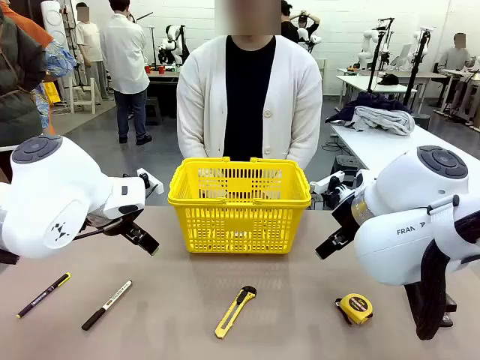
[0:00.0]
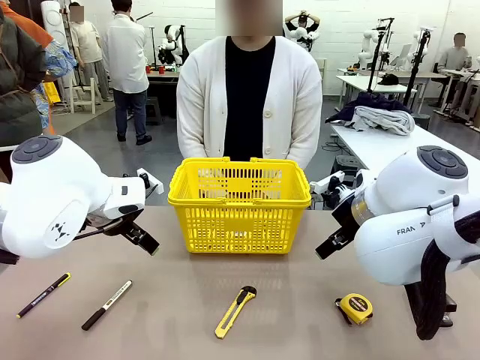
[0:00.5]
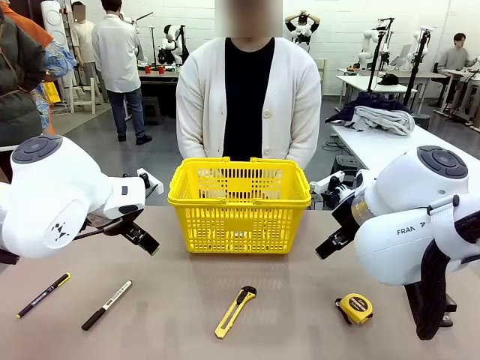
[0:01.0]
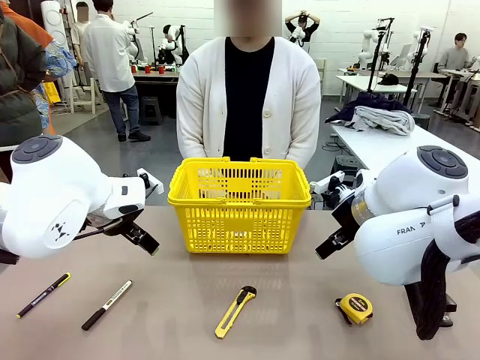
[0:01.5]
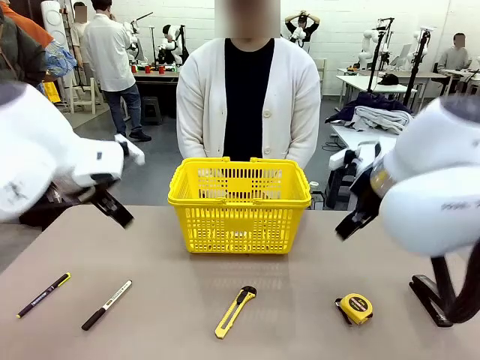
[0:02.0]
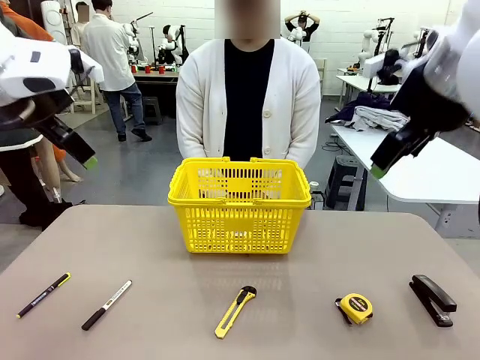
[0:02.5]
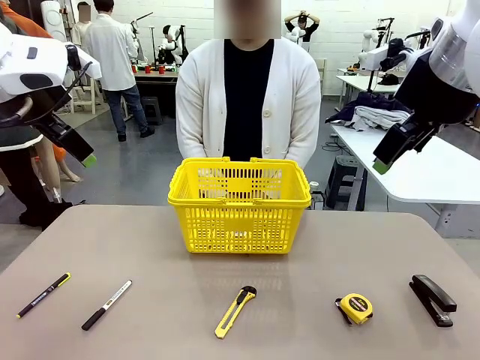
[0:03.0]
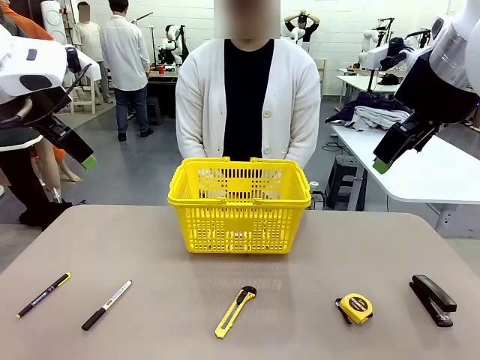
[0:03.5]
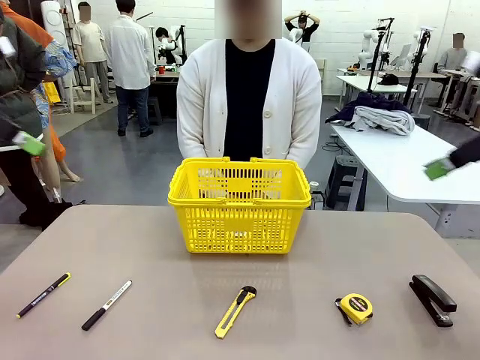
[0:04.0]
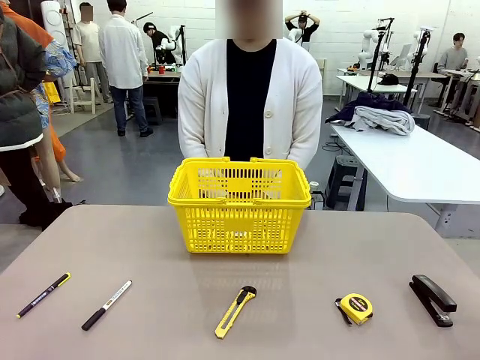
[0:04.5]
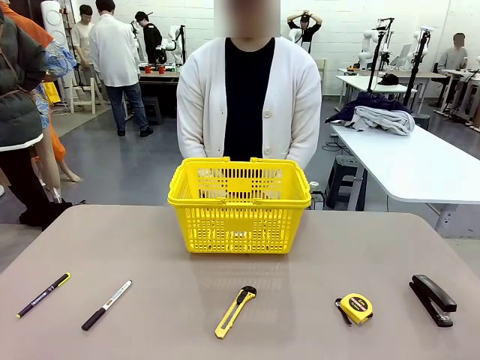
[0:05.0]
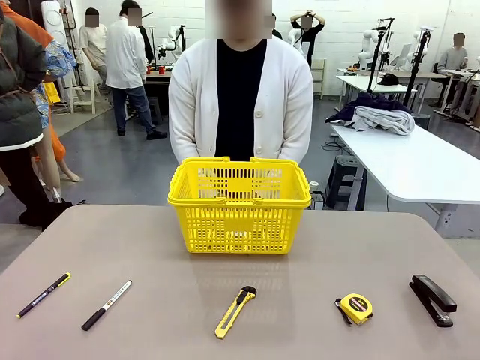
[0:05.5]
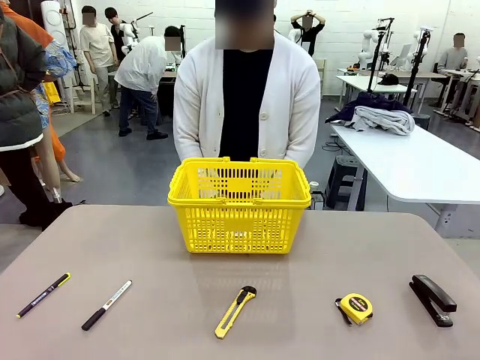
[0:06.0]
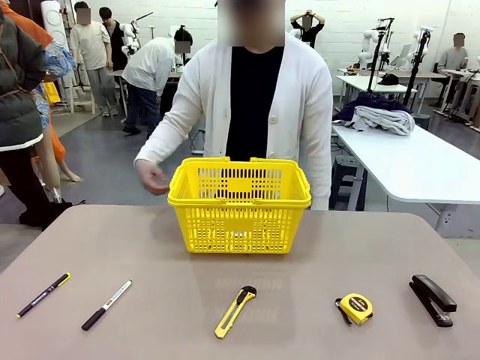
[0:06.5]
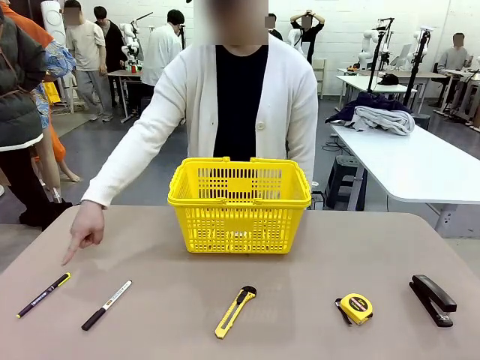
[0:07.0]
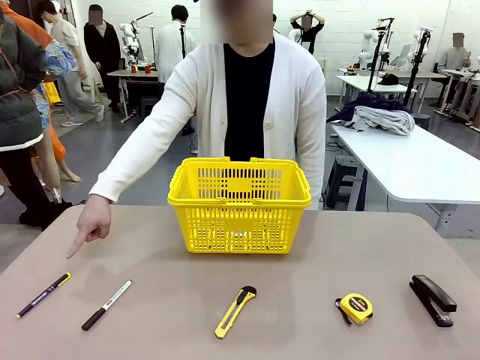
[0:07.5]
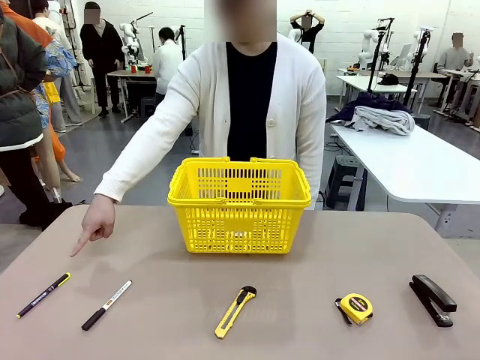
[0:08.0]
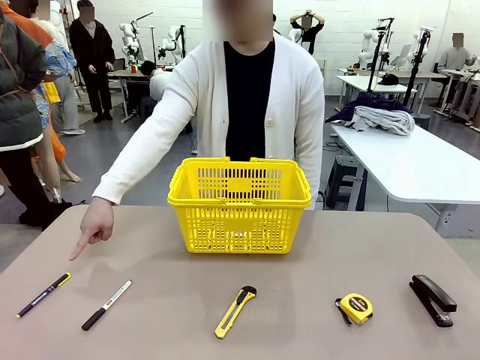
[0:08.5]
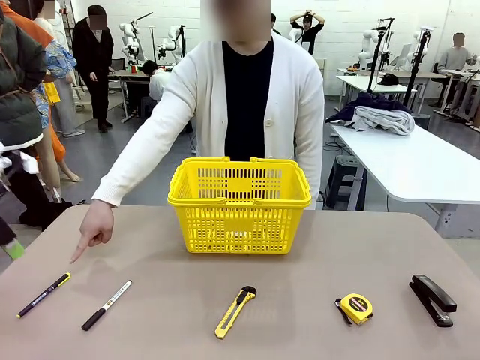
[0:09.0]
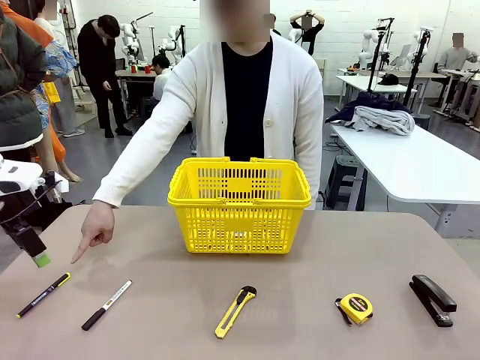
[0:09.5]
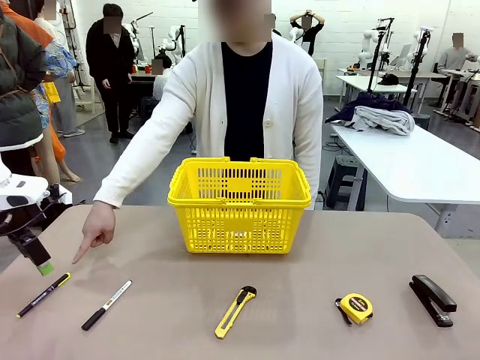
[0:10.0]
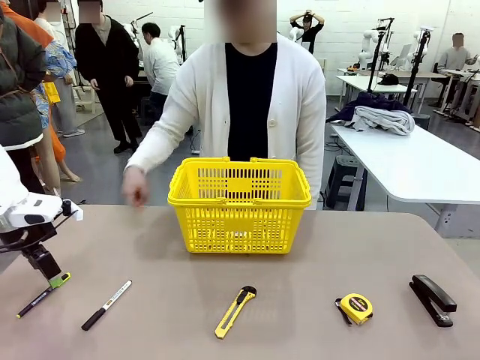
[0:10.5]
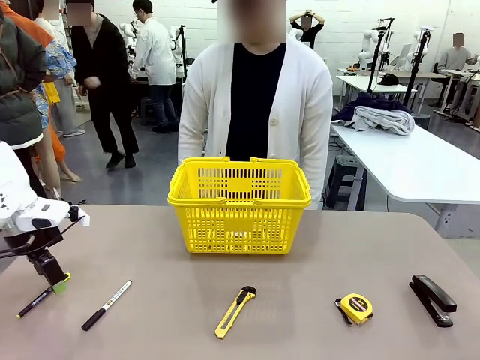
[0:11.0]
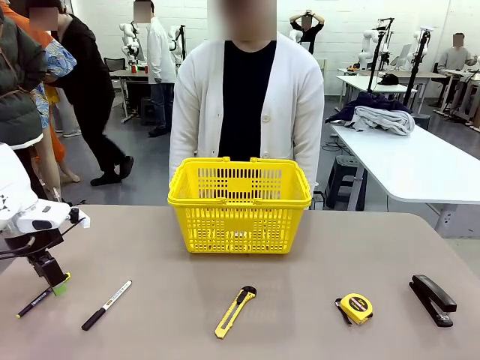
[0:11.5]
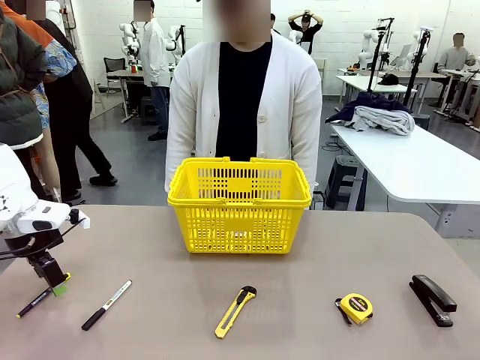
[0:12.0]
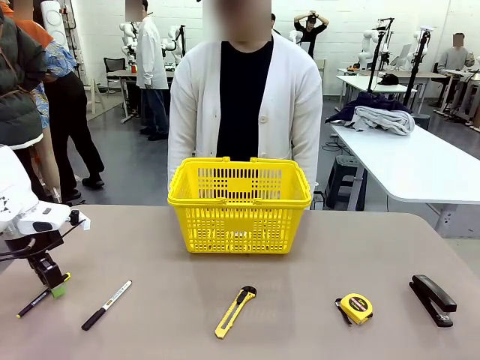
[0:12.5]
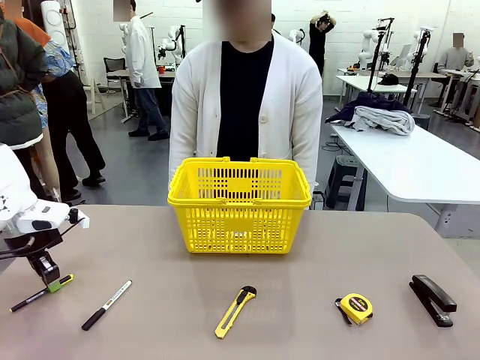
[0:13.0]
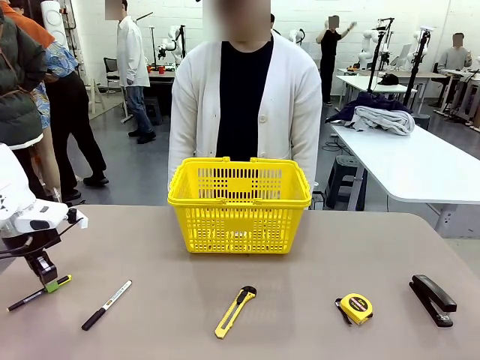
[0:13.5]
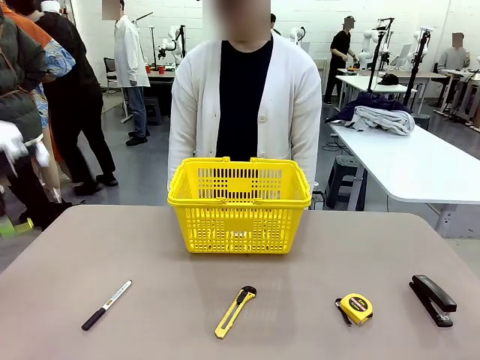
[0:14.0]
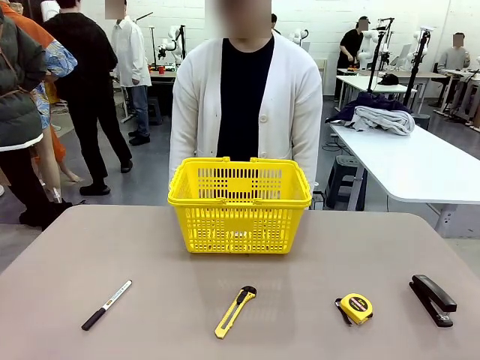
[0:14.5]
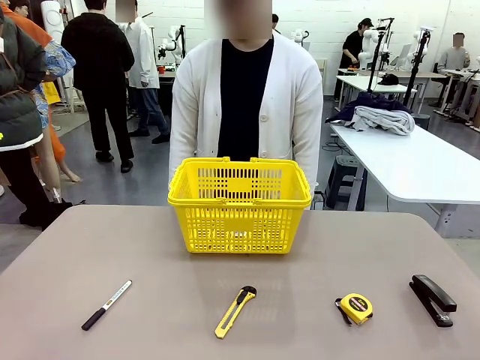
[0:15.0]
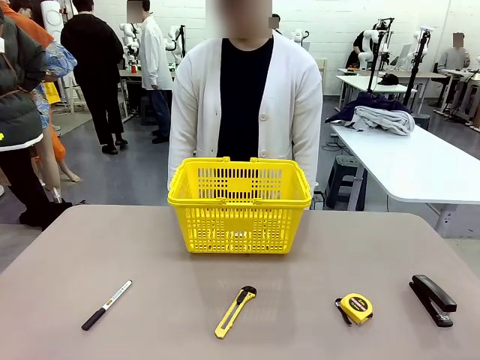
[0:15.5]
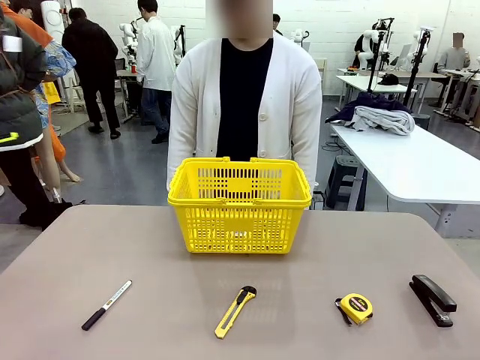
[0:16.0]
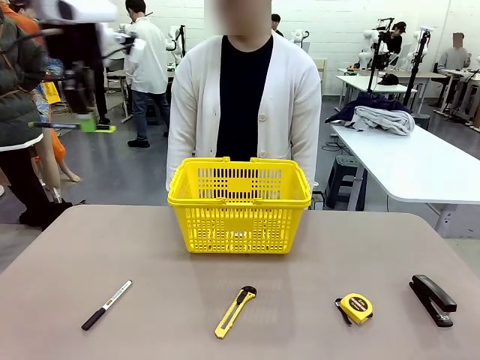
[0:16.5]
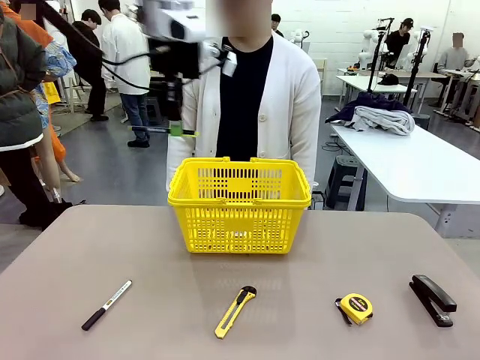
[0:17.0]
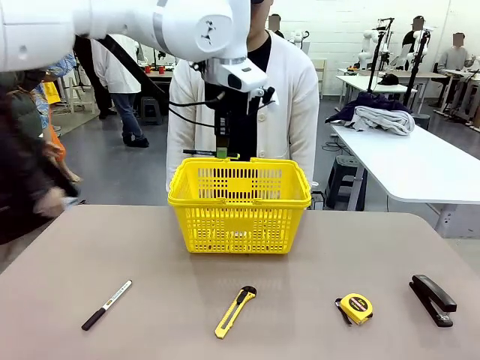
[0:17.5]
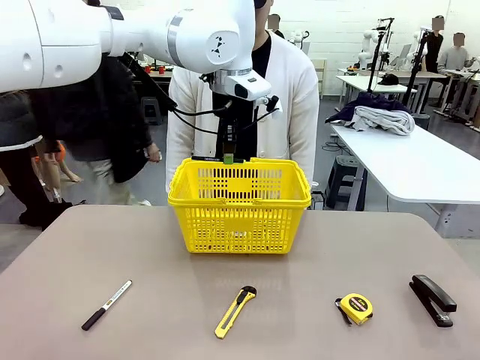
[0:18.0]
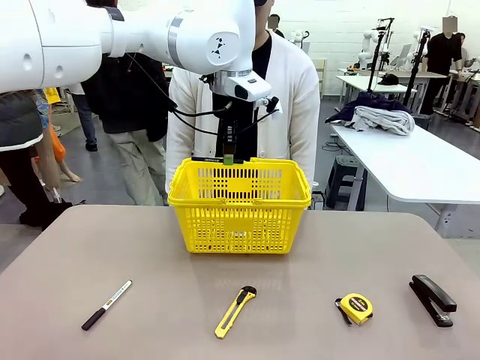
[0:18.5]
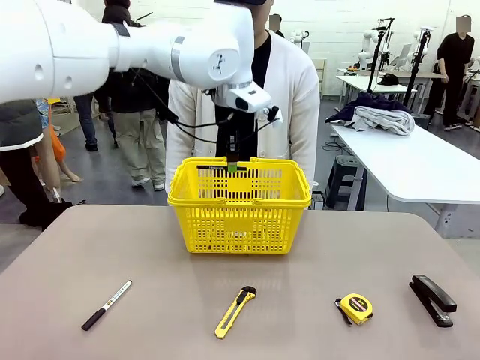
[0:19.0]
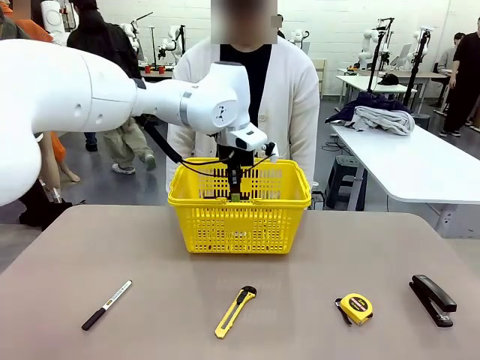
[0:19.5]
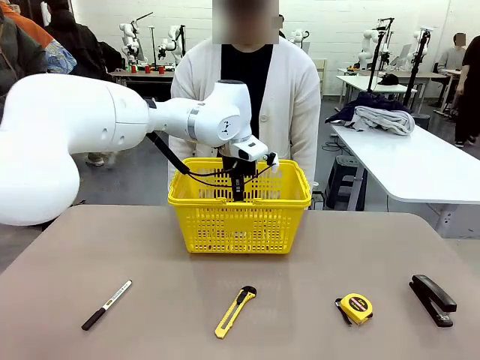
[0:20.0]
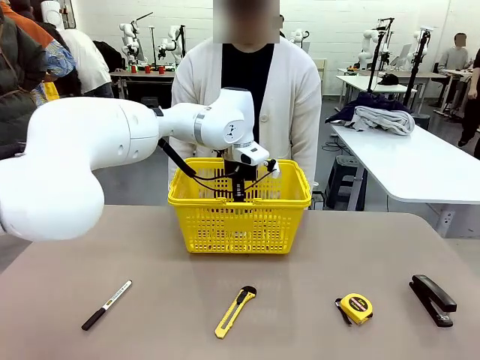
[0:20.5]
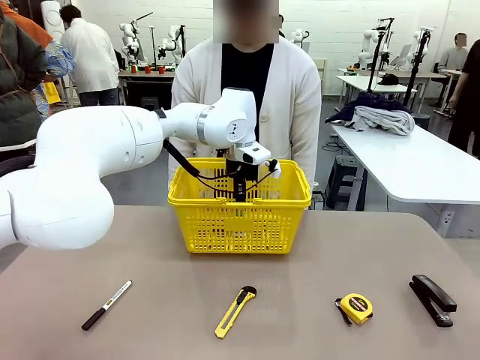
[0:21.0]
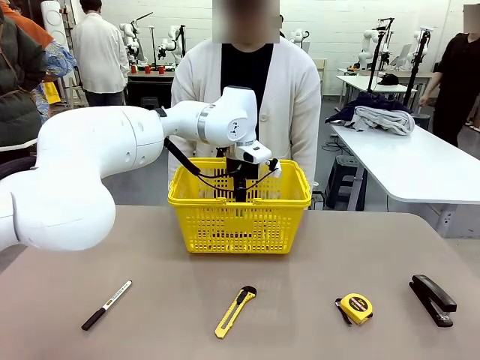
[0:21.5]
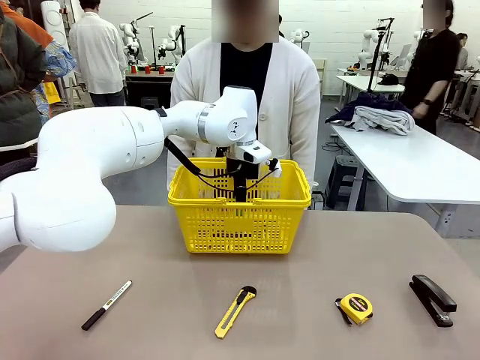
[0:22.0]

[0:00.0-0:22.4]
Task: Place the items the person wants into the basket.
Robot: Pick up the item the person points to and place it in the Market Basket.
